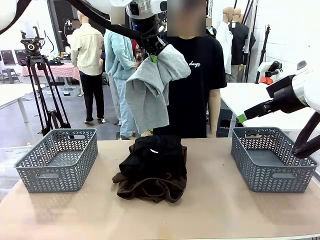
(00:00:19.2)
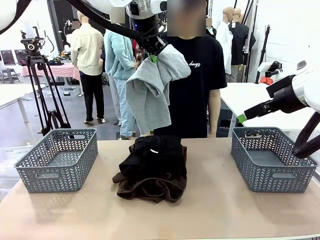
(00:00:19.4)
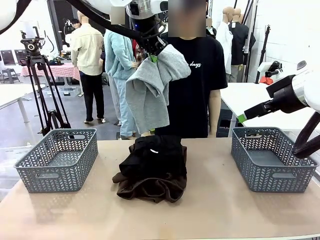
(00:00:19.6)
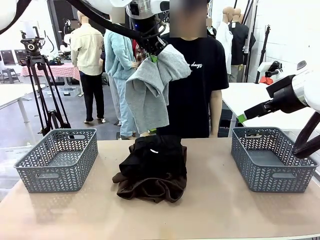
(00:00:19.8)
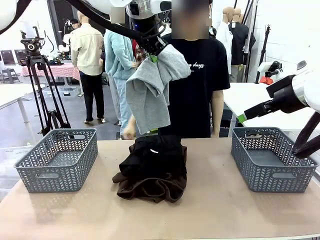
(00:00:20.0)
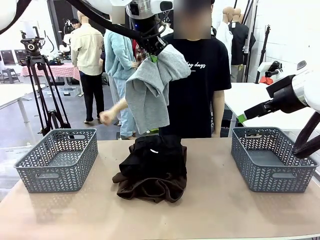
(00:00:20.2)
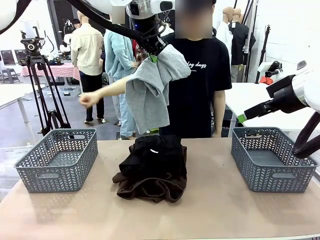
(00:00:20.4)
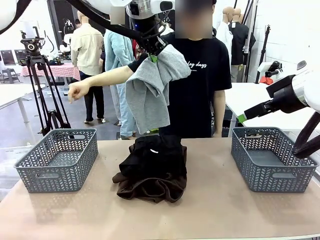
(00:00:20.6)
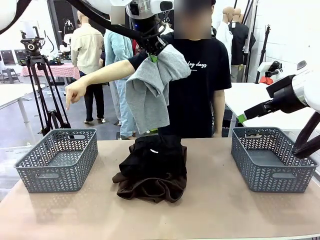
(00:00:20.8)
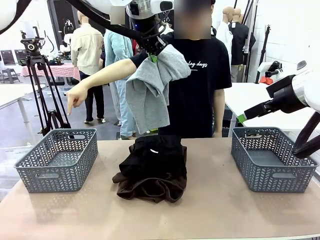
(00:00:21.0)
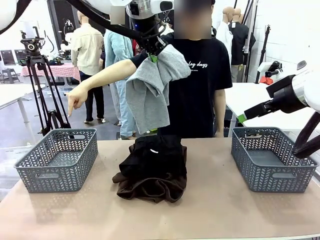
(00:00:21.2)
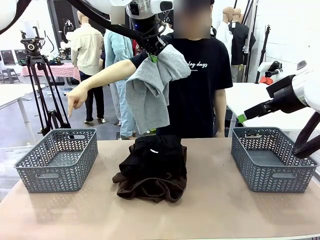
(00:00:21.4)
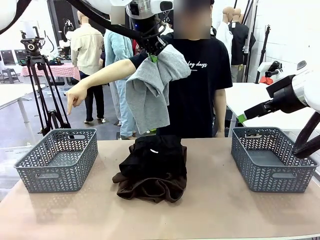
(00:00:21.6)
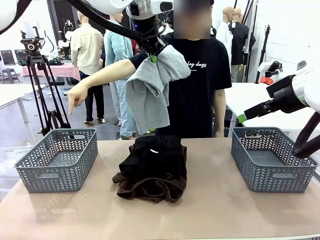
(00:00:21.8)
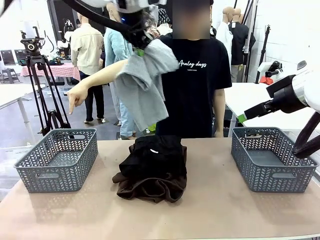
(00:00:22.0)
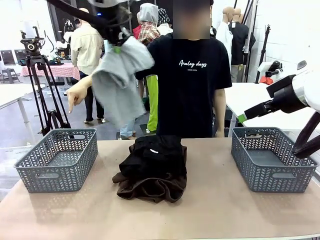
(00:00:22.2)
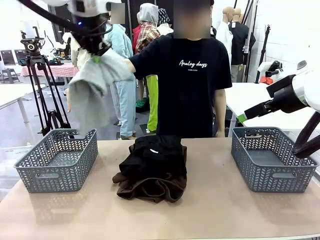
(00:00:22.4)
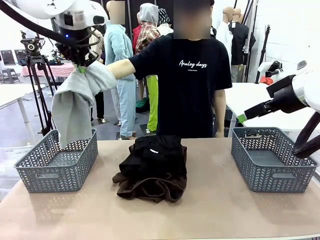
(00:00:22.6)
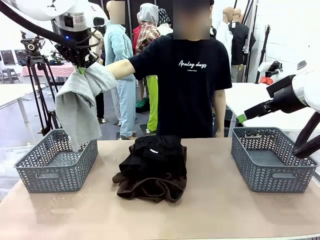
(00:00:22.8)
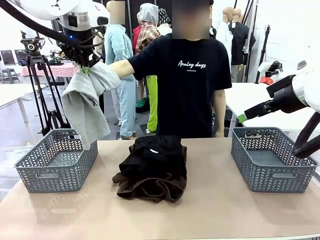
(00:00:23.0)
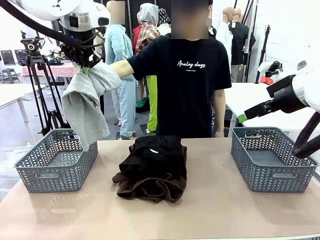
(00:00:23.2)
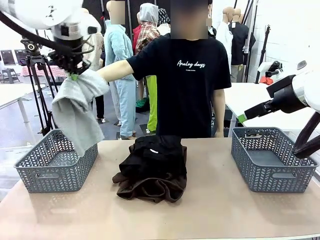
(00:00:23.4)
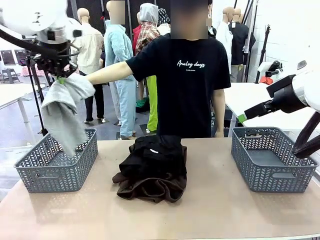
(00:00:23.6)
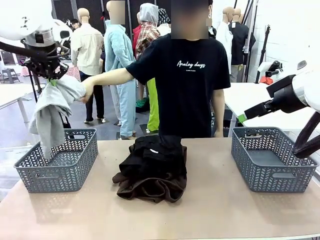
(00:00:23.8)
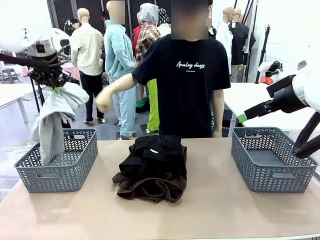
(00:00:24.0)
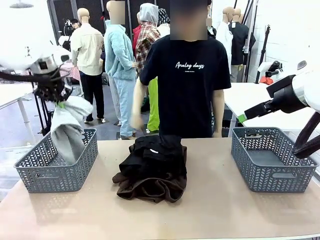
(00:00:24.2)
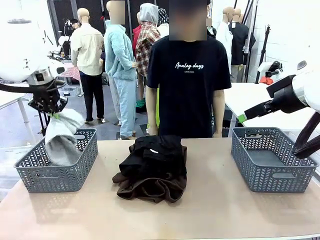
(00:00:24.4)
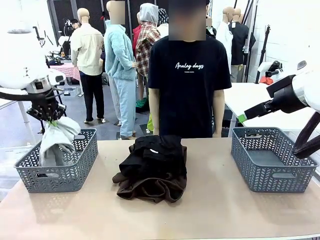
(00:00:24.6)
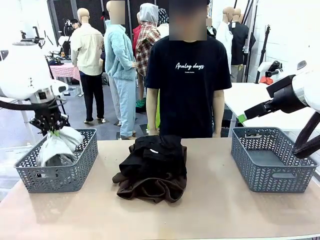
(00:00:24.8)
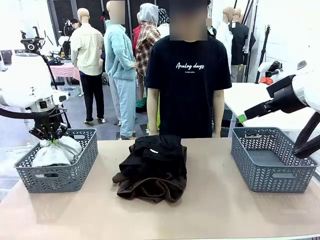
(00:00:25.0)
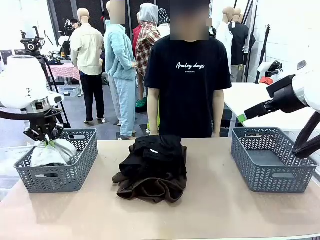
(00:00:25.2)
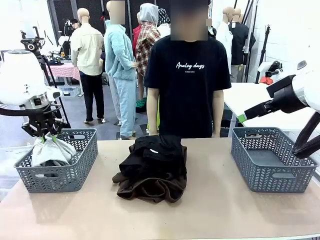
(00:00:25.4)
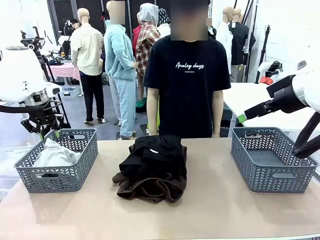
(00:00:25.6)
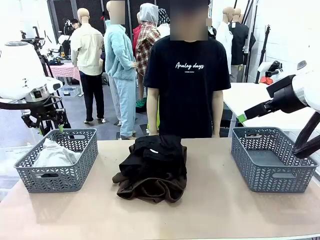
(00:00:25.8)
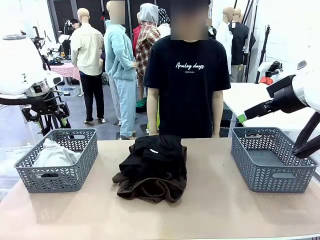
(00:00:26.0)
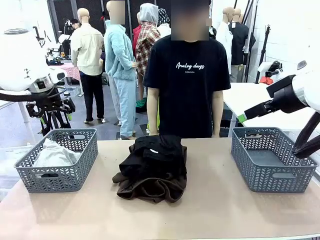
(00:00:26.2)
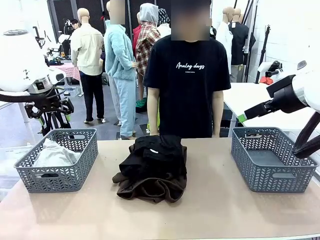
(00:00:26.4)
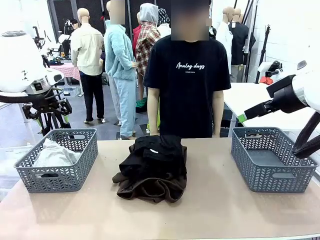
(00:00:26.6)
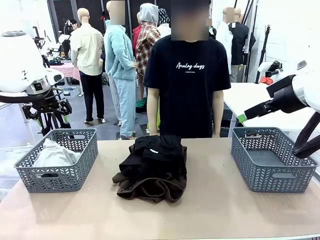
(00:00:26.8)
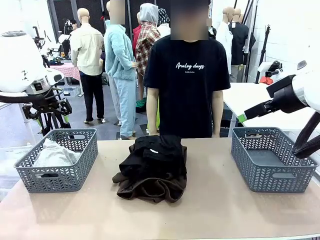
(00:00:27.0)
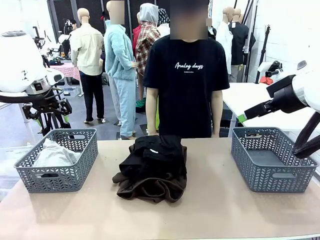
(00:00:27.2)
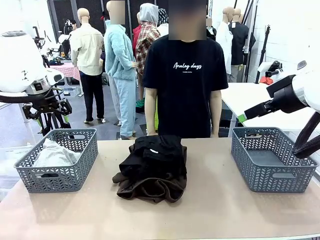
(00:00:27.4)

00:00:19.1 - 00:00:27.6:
Task: Sort the tops and bottoms.
Robot: Sort the clothes according to human instructions.

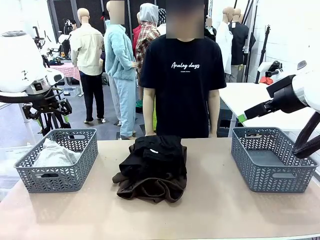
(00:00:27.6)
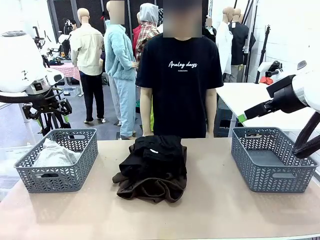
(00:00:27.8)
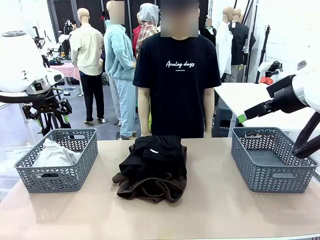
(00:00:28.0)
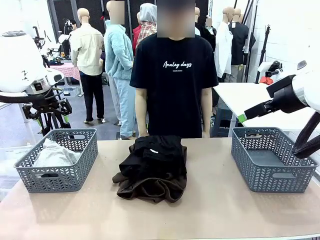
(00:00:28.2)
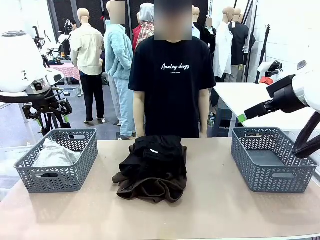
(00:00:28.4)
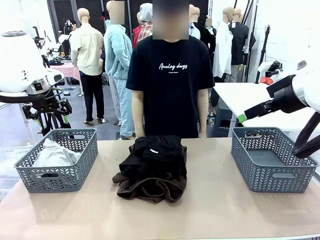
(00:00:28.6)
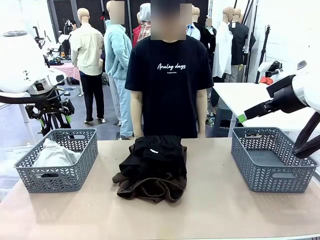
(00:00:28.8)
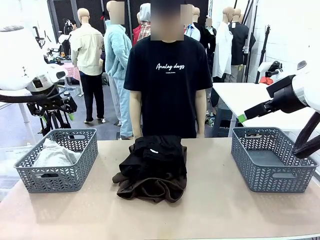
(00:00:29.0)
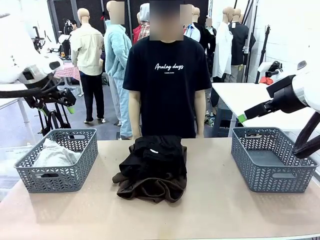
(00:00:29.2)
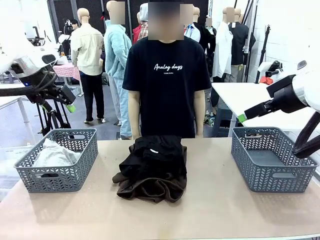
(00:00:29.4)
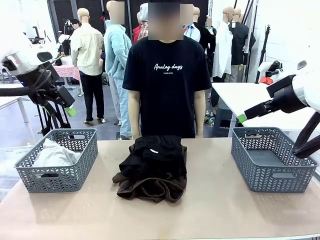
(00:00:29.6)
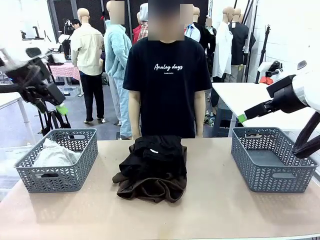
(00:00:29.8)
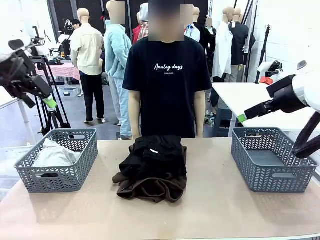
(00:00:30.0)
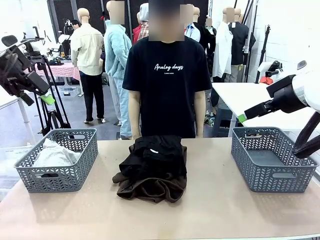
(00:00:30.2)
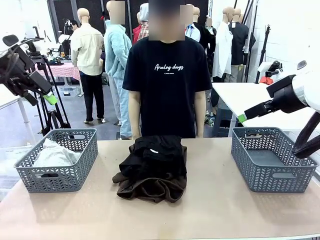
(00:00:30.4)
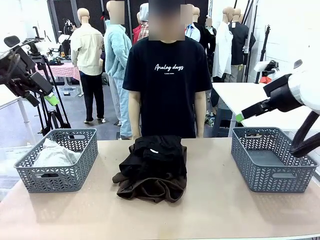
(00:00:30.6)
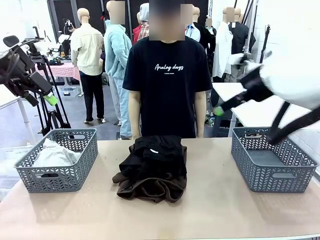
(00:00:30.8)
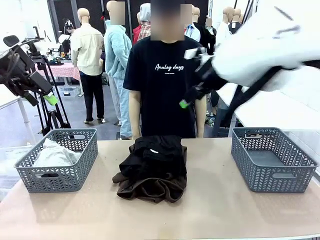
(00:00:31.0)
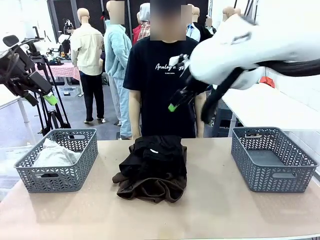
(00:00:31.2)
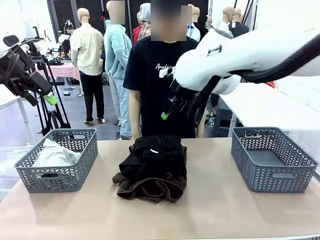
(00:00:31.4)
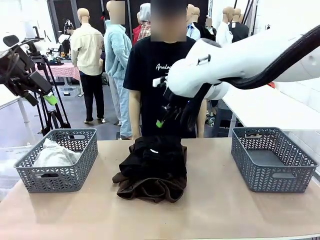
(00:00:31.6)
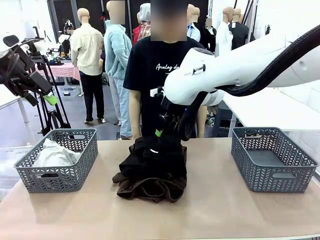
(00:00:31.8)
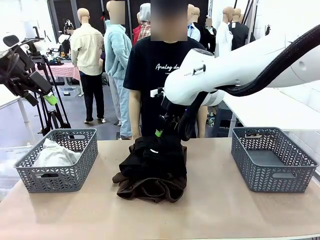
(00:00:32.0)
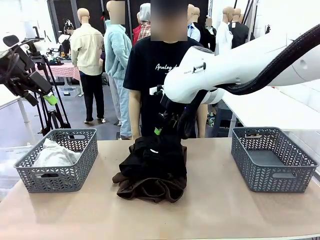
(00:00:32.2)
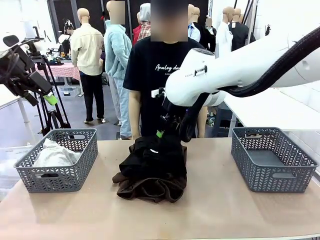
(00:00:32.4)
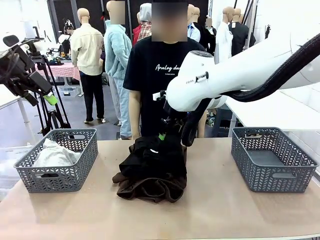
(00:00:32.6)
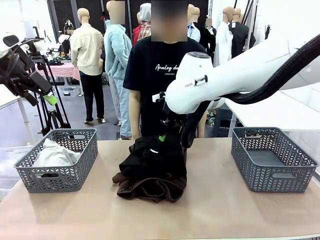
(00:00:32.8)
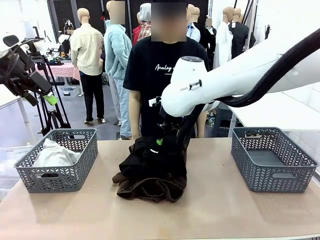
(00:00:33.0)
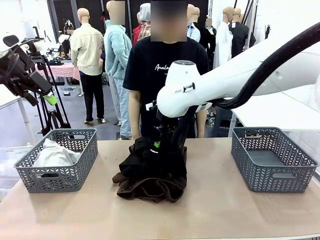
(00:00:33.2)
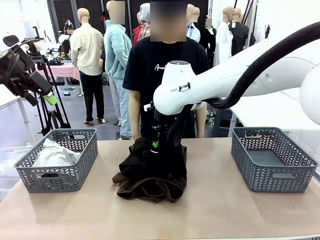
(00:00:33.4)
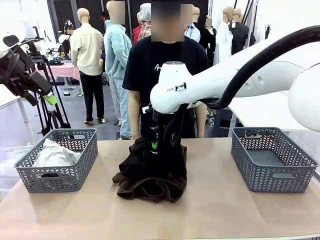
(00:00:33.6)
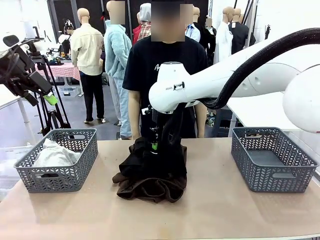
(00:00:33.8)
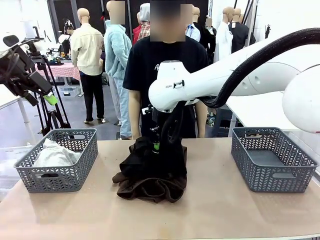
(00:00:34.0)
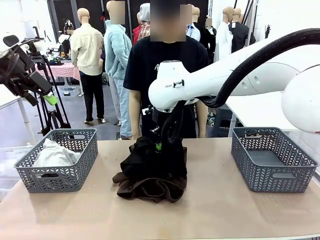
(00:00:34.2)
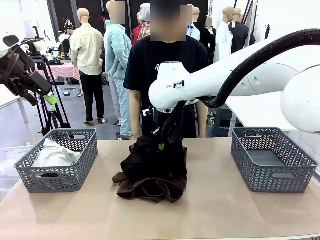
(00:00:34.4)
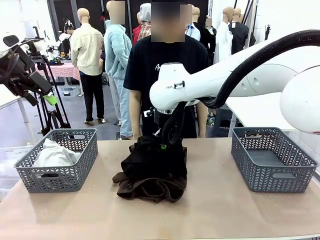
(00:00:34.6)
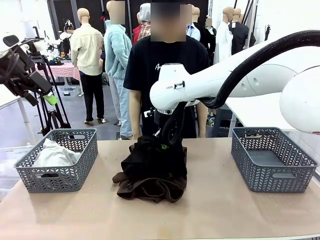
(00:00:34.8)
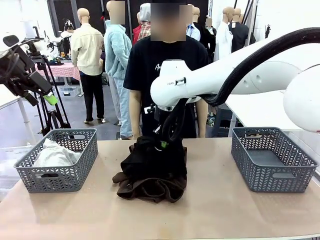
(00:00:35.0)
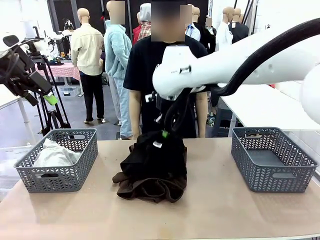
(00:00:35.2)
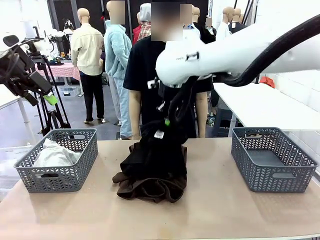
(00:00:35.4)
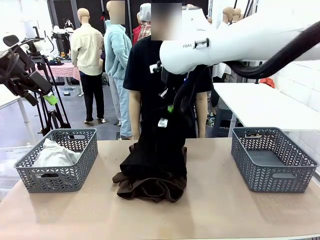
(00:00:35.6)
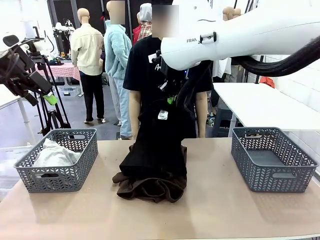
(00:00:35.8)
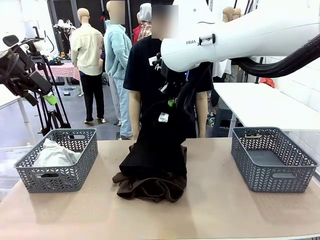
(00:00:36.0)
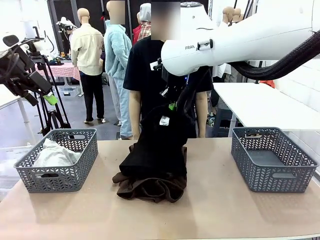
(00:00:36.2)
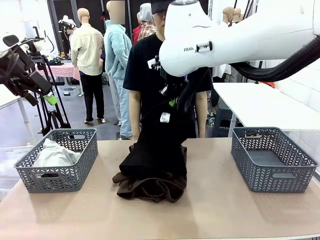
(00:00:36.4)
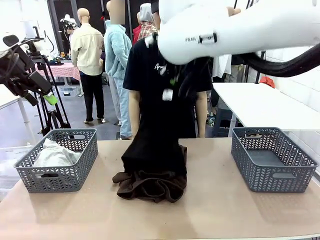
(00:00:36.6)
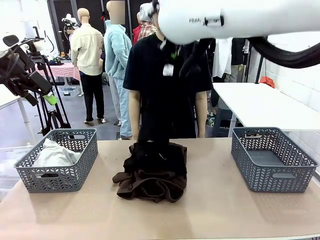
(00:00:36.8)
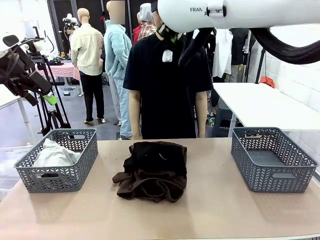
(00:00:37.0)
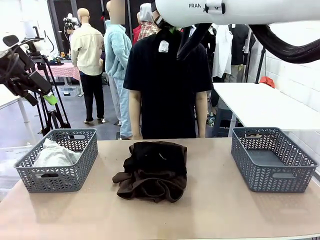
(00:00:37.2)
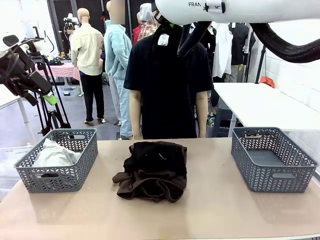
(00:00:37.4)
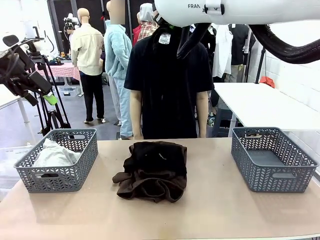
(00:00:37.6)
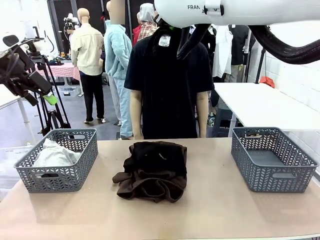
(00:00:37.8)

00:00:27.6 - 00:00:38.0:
Robot: Lift clothes from the center of the table with your right hand.
